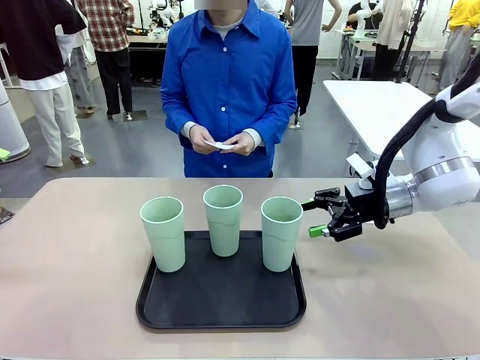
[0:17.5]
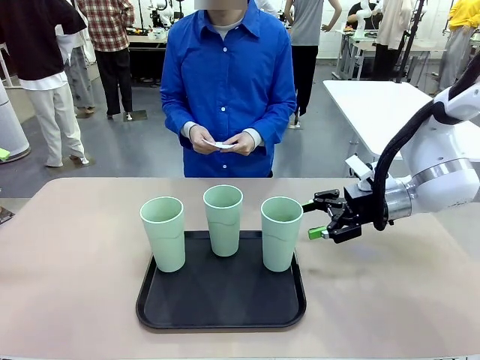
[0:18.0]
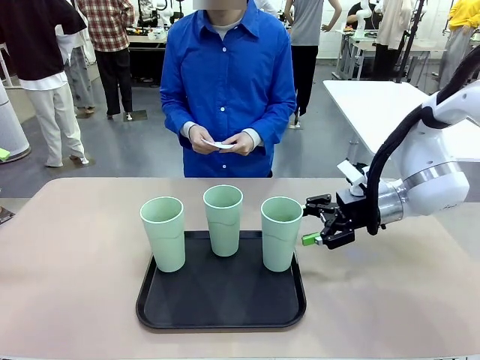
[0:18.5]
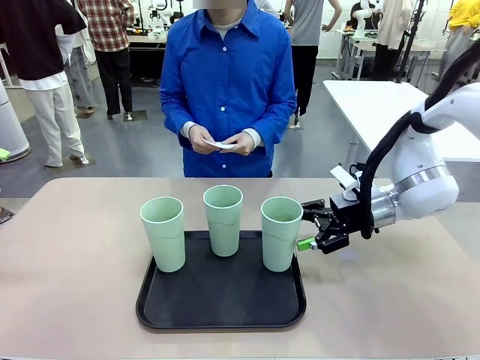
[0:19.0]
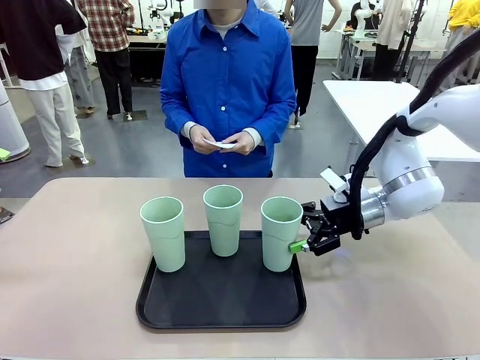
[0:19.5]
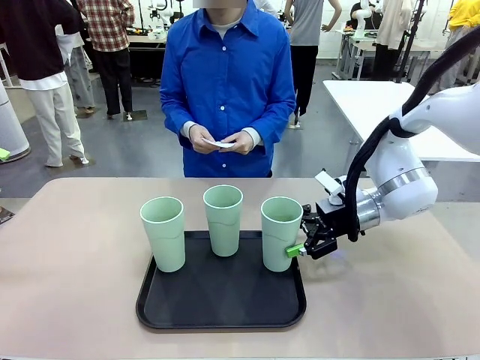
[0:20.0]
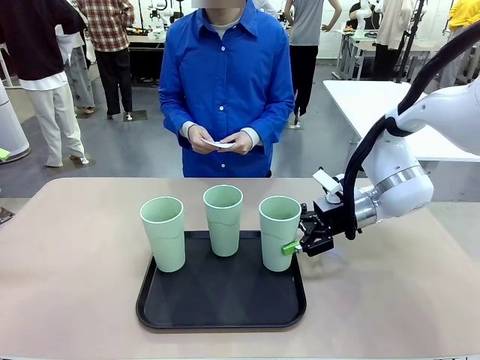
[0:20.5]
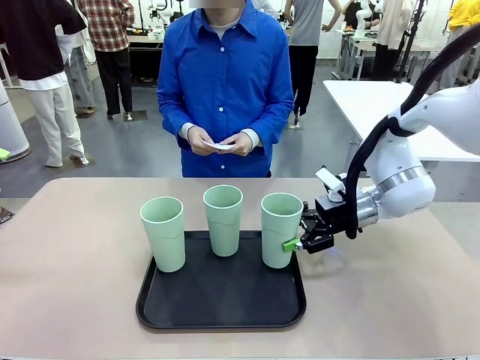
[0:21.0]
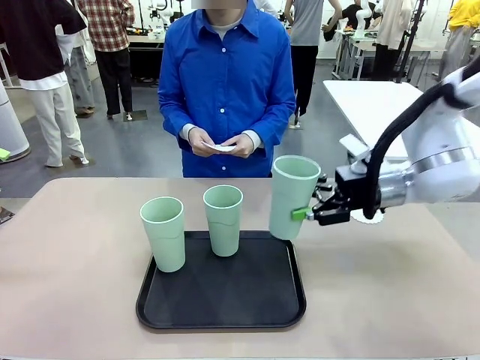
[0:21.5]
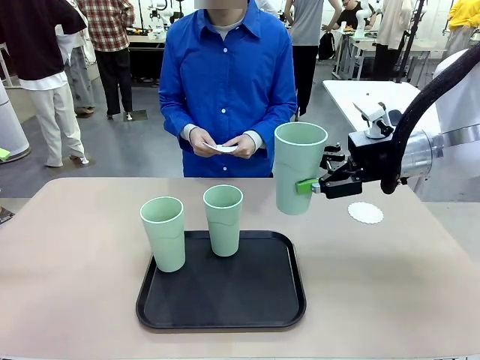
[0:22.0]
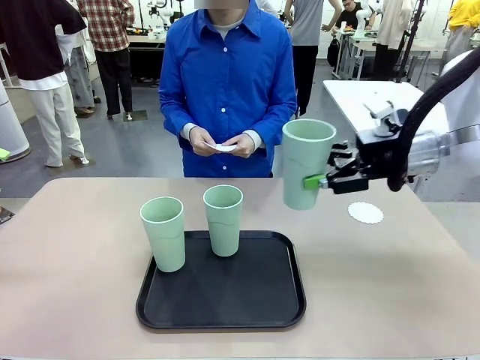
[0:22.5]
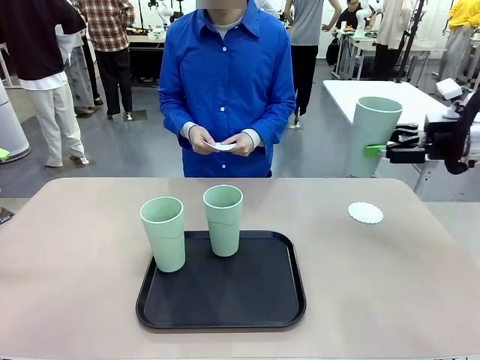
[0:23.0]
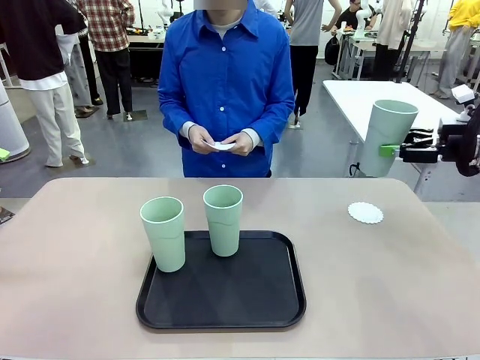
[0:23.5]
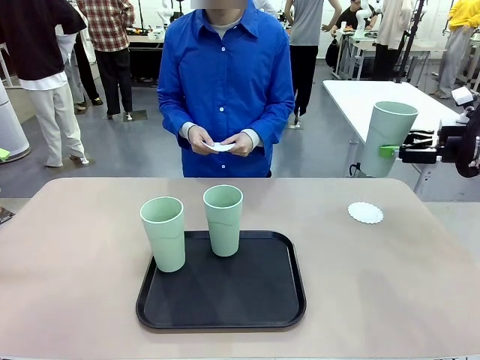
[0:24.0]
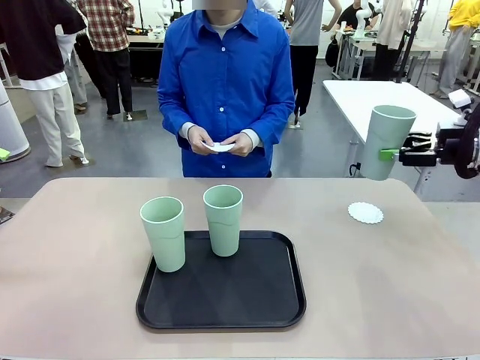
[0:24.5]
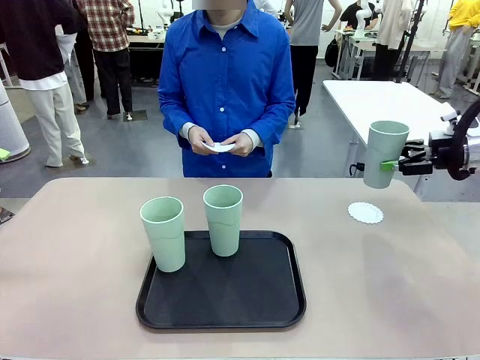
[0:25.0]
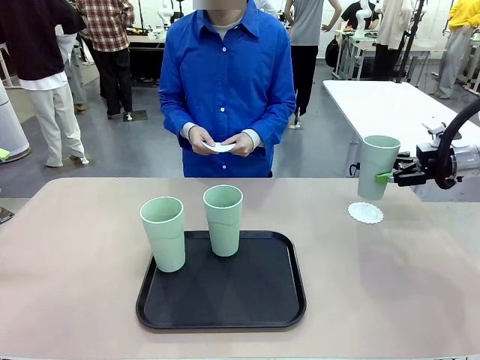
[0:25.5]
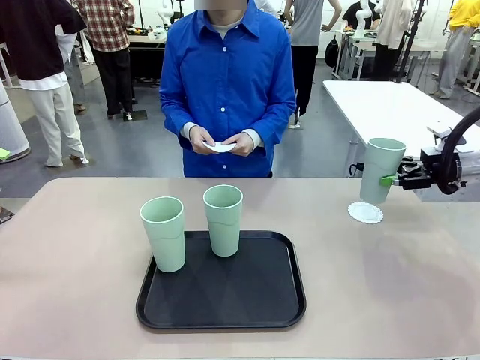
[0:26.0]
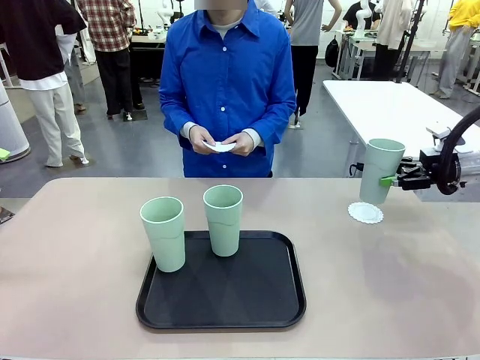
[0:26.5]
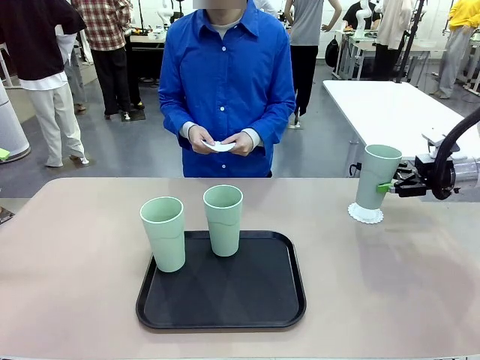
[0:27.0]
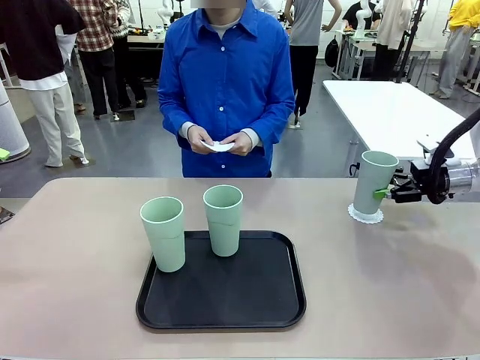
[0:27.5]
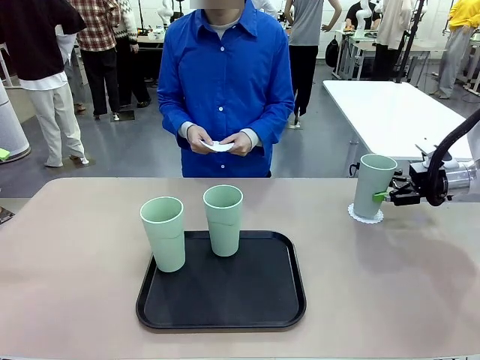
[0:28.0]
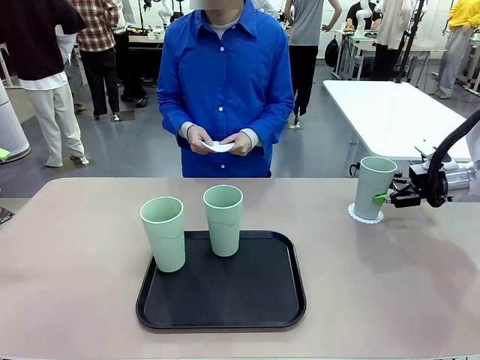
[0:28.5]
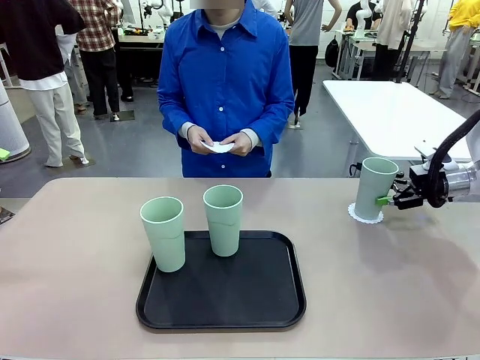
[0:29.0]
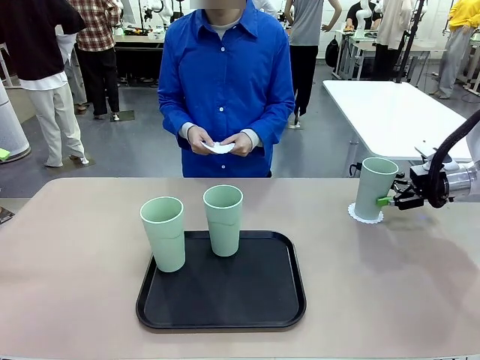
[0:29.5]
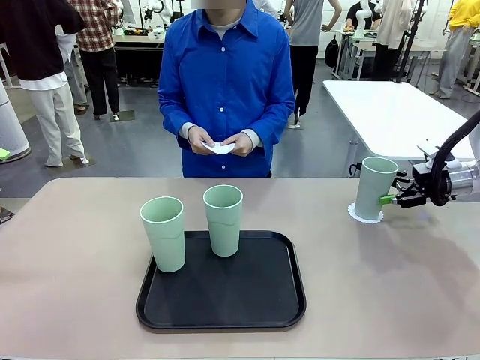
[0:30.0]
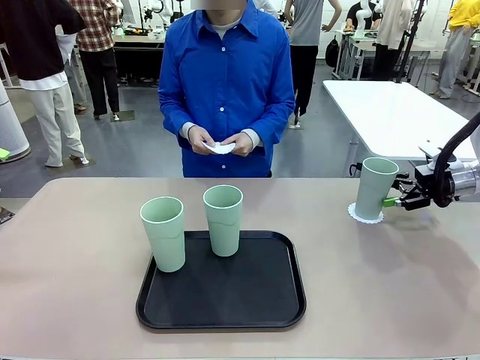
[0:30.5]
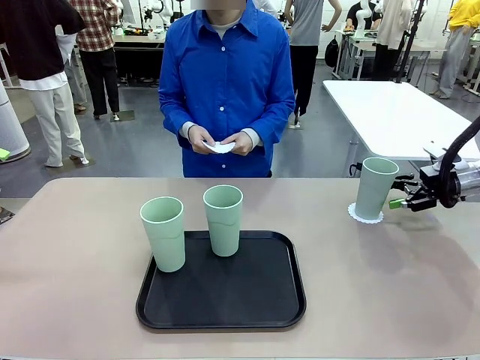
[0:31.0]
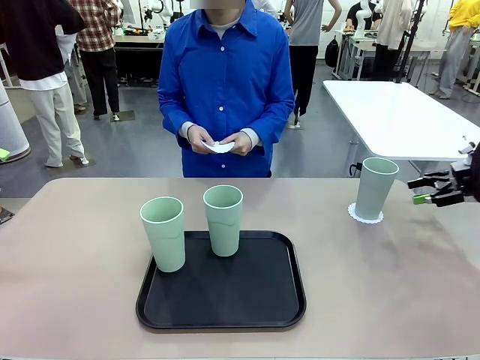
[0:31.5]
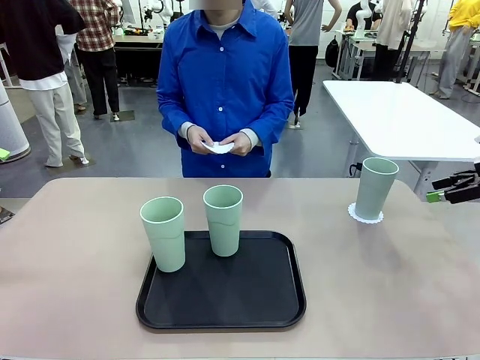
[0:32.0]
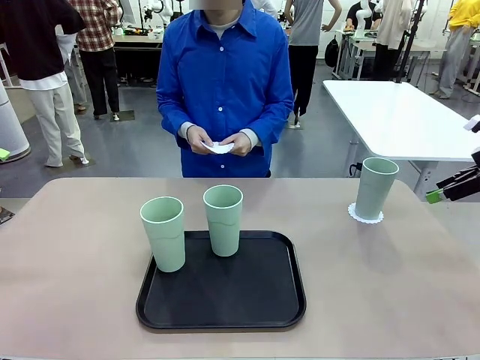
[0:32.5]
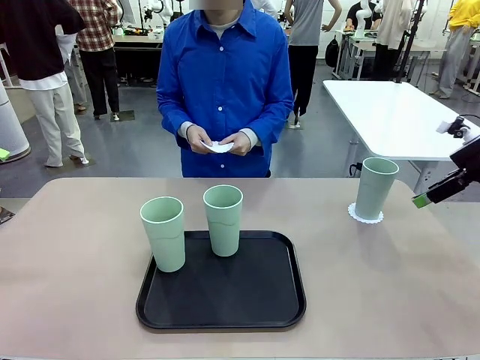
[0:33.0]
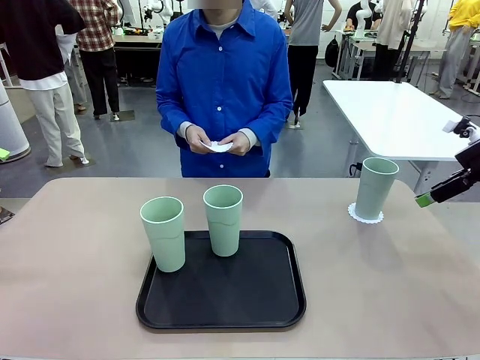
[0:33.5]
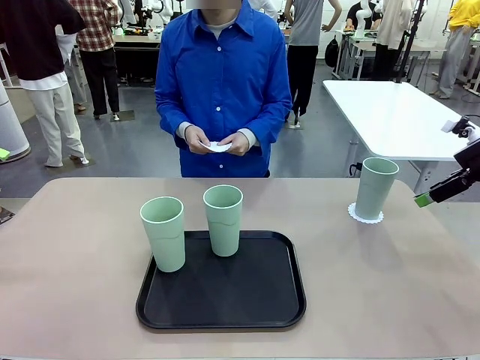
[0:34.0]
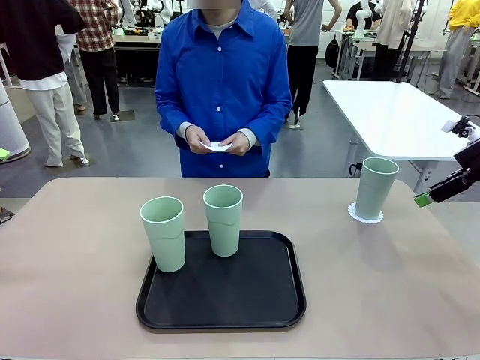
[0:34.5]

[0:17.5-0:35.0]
Task: Place coasters on the table and set cups on them.
Robot: Pick up one Reusable plastic cup and place it on a coaster set by the human.
Person: Place one coaster in one of the two areas excluding the previously selected area.
